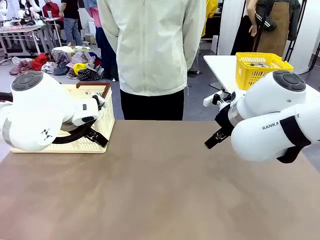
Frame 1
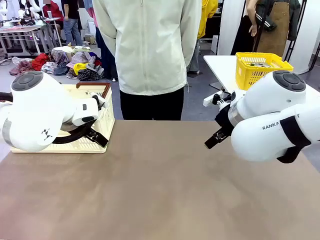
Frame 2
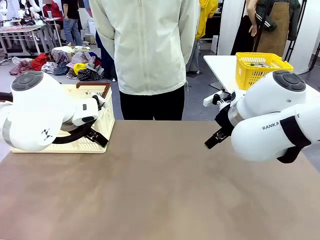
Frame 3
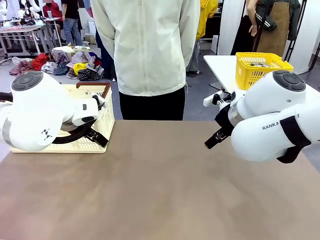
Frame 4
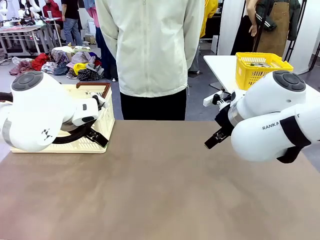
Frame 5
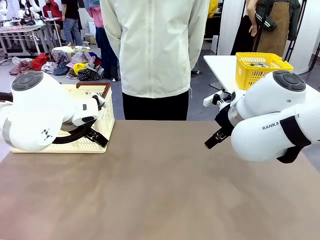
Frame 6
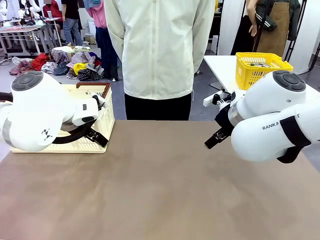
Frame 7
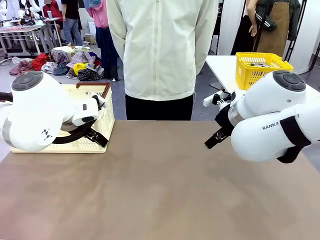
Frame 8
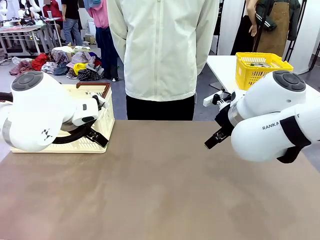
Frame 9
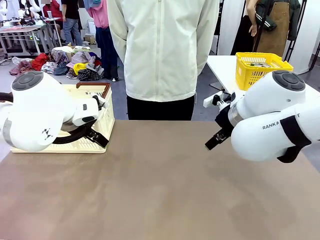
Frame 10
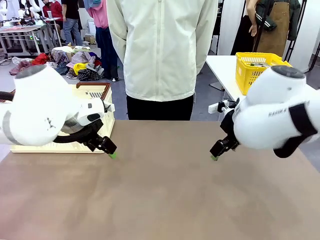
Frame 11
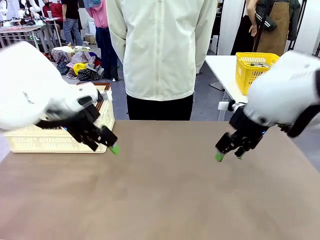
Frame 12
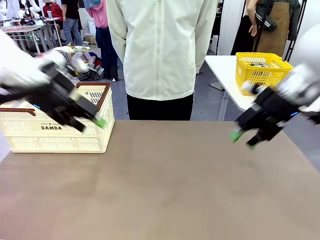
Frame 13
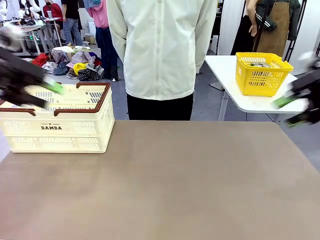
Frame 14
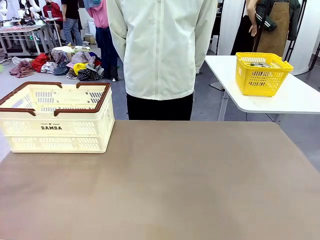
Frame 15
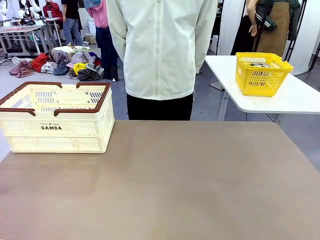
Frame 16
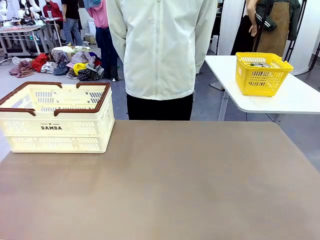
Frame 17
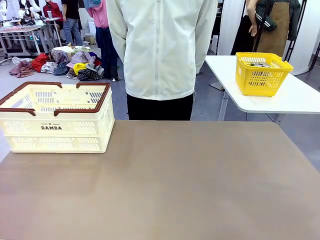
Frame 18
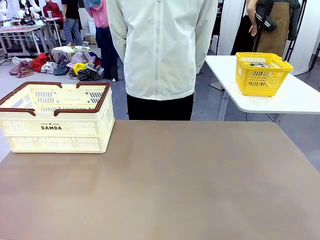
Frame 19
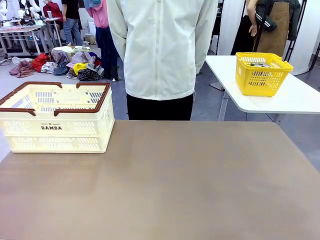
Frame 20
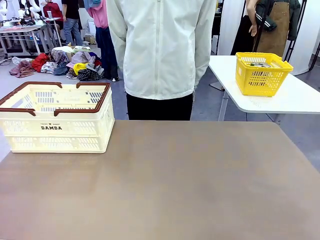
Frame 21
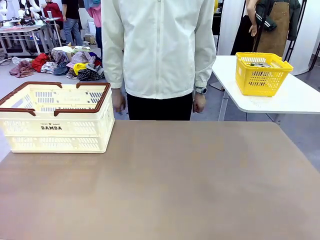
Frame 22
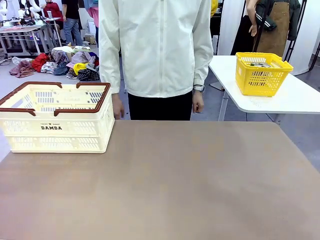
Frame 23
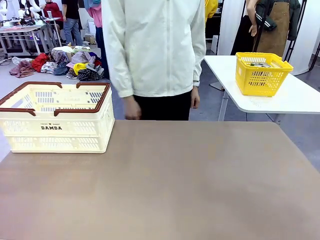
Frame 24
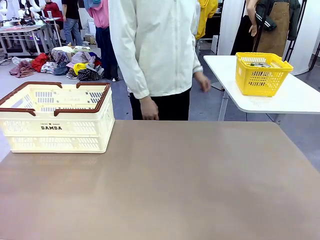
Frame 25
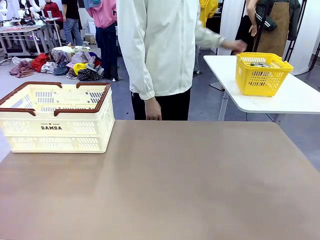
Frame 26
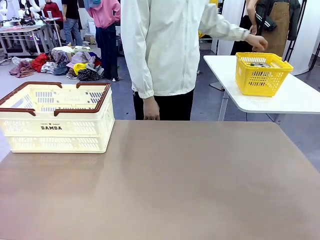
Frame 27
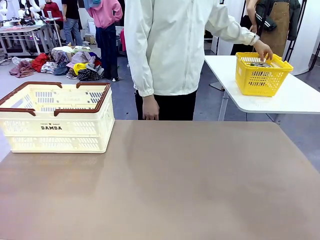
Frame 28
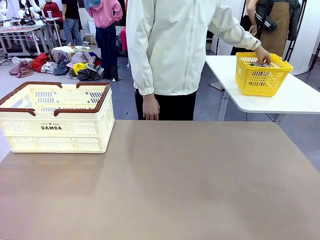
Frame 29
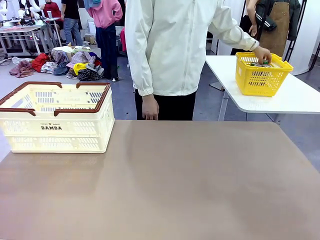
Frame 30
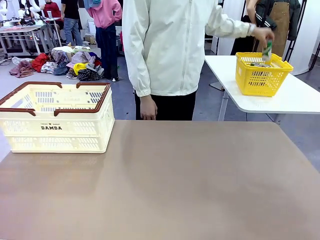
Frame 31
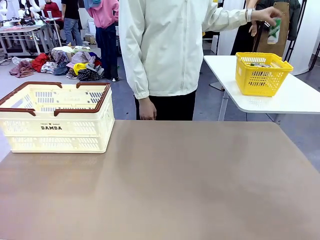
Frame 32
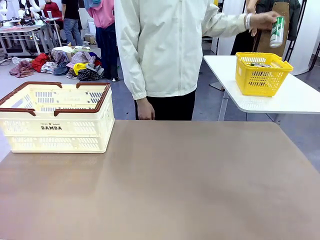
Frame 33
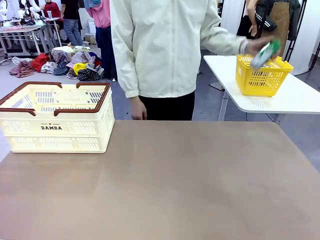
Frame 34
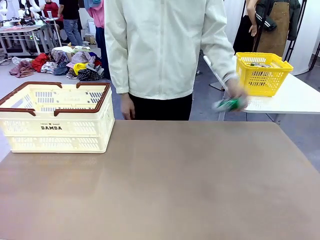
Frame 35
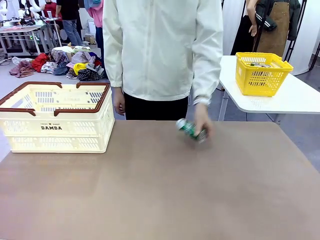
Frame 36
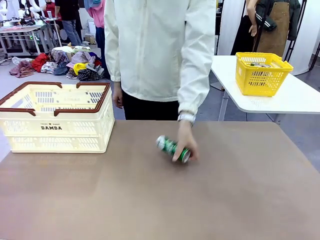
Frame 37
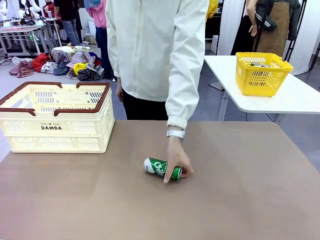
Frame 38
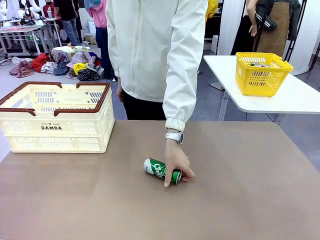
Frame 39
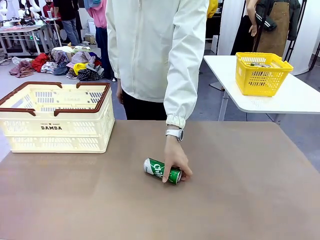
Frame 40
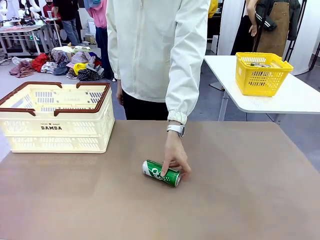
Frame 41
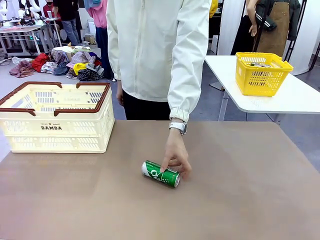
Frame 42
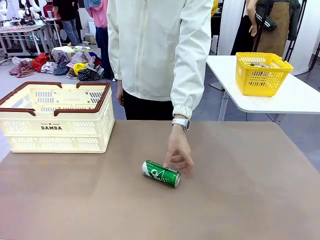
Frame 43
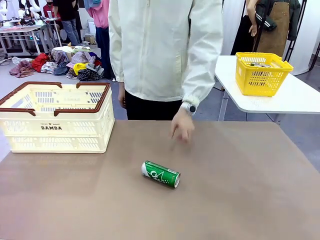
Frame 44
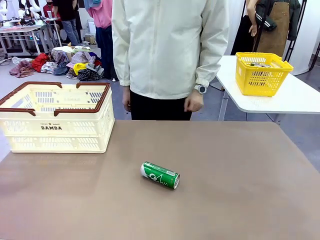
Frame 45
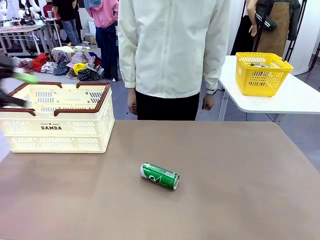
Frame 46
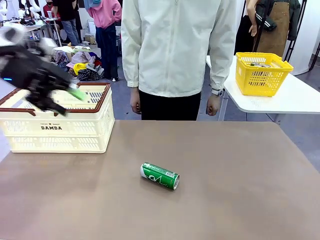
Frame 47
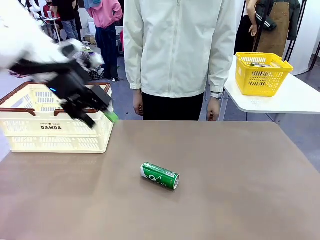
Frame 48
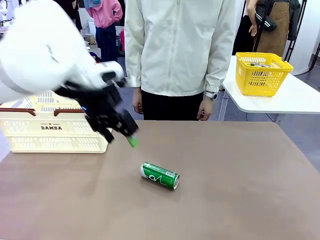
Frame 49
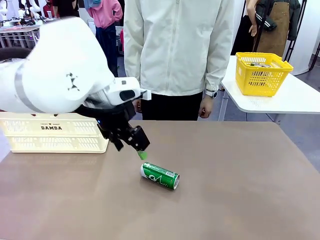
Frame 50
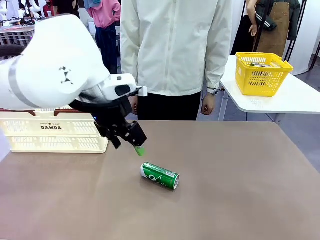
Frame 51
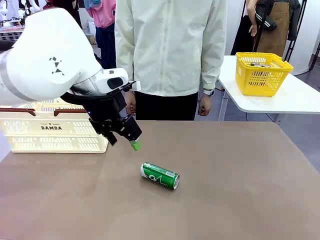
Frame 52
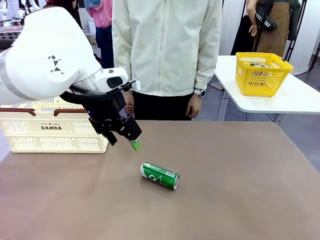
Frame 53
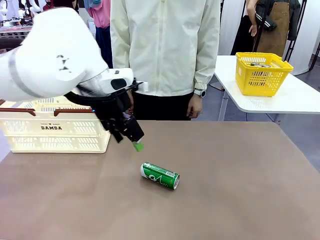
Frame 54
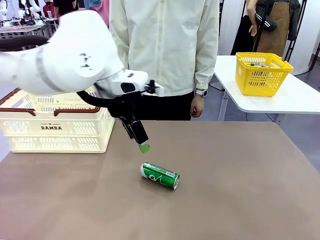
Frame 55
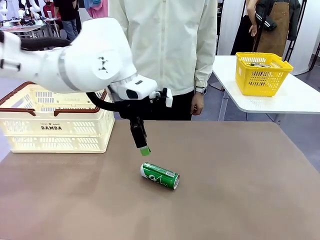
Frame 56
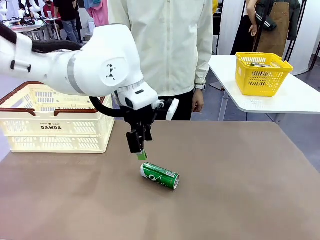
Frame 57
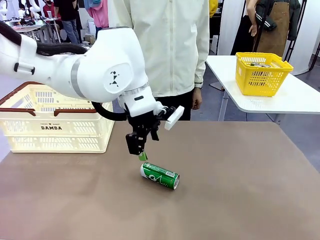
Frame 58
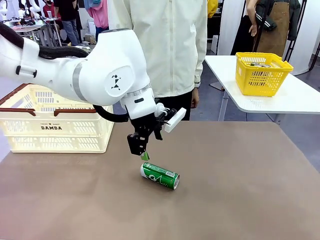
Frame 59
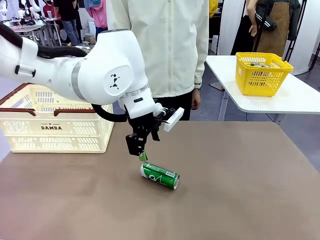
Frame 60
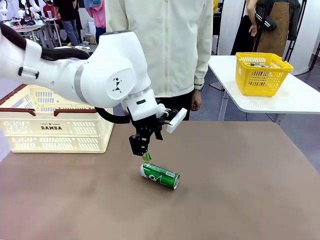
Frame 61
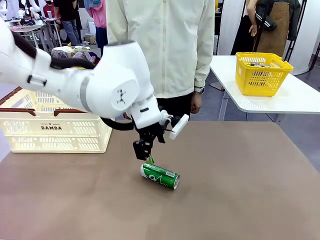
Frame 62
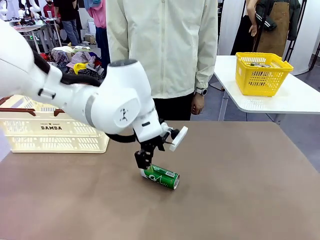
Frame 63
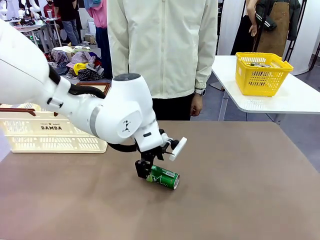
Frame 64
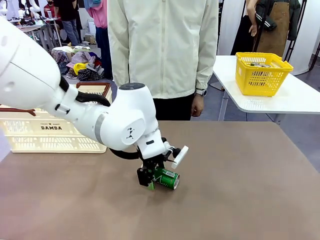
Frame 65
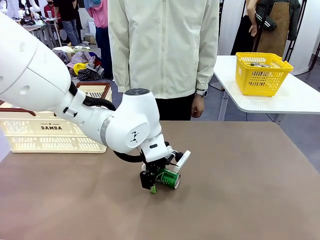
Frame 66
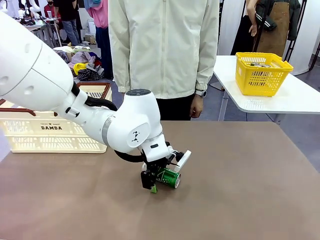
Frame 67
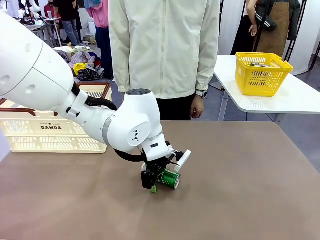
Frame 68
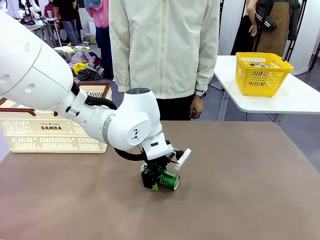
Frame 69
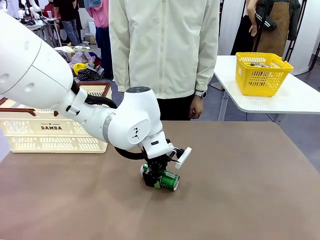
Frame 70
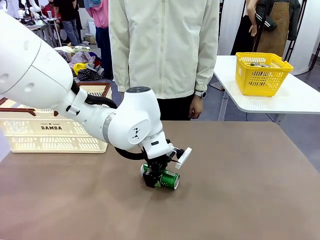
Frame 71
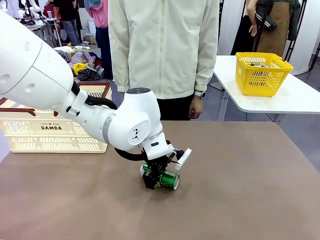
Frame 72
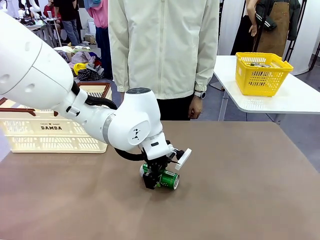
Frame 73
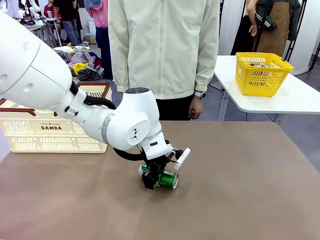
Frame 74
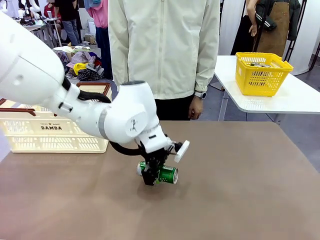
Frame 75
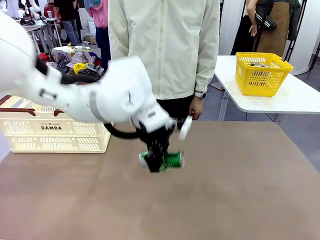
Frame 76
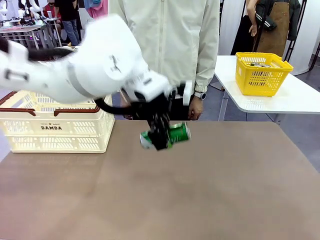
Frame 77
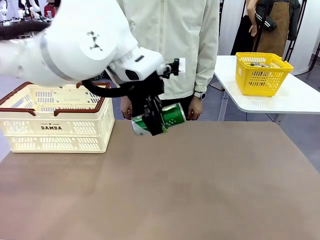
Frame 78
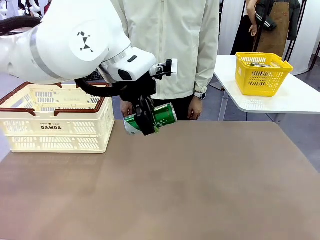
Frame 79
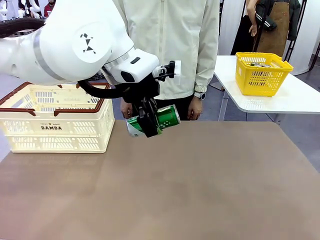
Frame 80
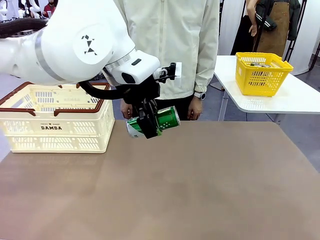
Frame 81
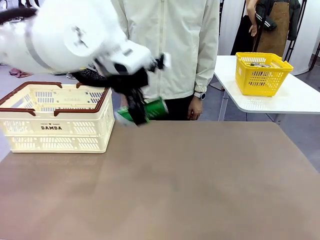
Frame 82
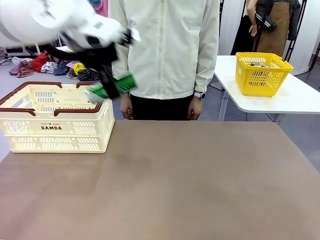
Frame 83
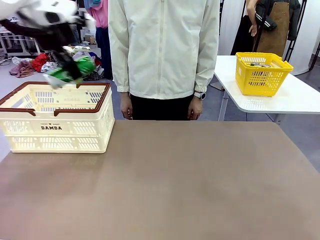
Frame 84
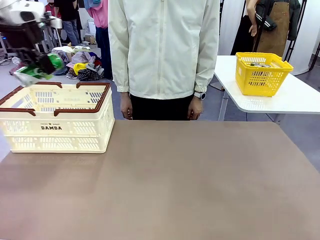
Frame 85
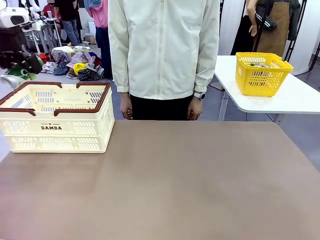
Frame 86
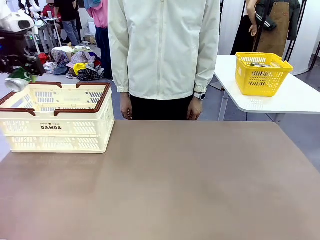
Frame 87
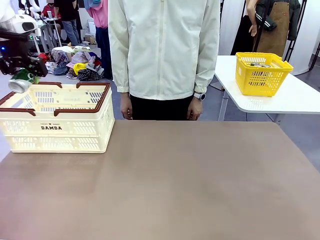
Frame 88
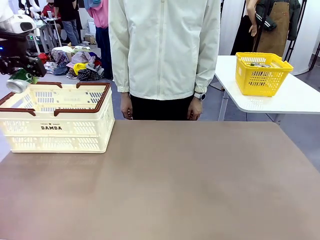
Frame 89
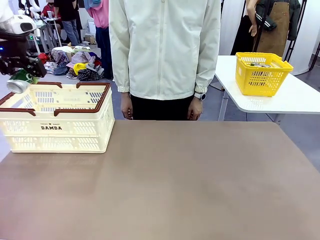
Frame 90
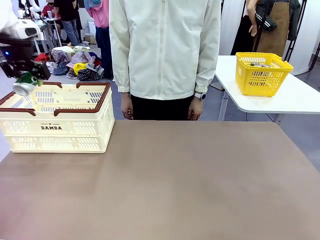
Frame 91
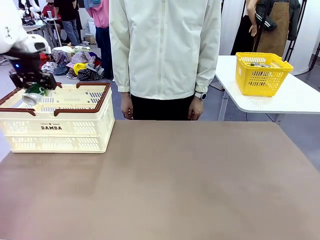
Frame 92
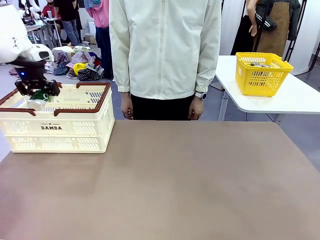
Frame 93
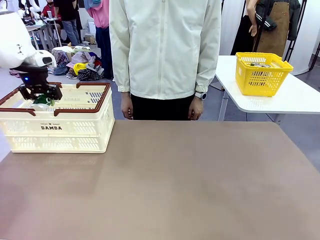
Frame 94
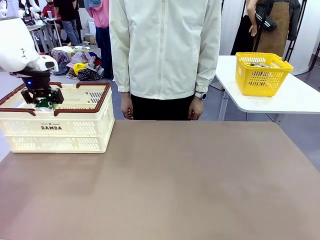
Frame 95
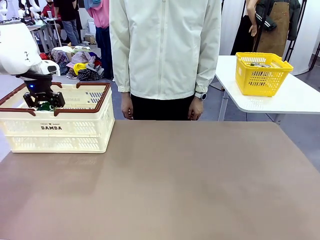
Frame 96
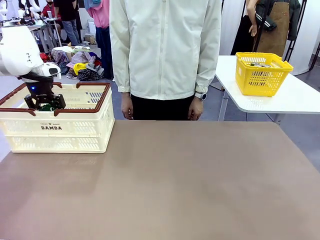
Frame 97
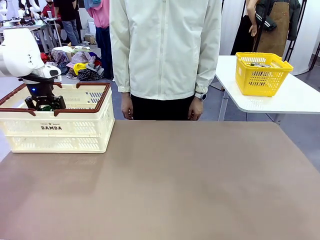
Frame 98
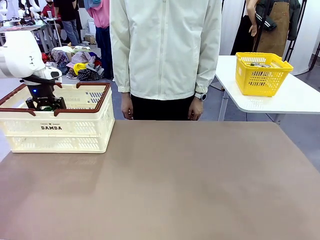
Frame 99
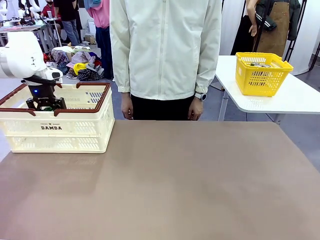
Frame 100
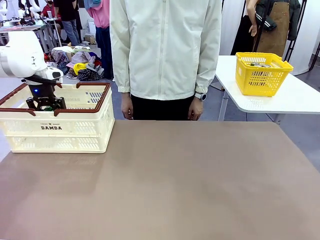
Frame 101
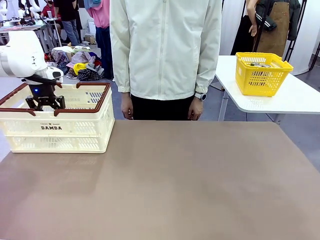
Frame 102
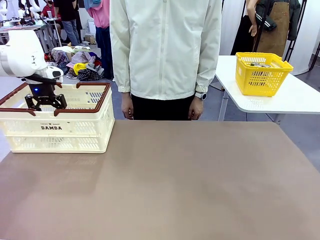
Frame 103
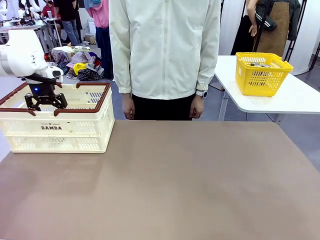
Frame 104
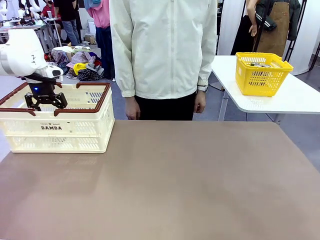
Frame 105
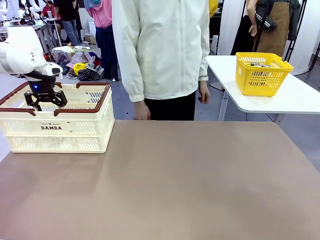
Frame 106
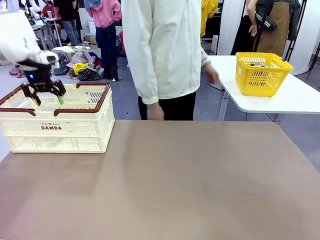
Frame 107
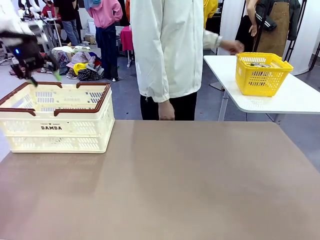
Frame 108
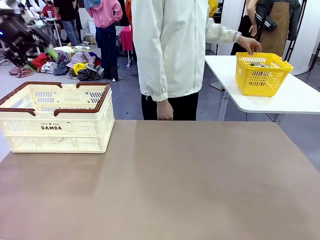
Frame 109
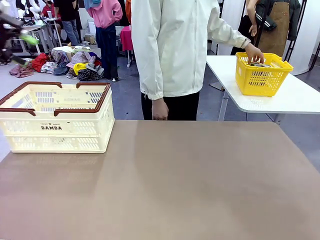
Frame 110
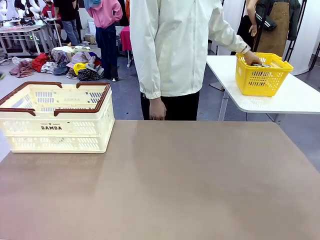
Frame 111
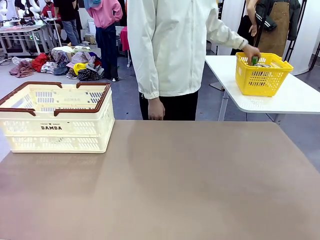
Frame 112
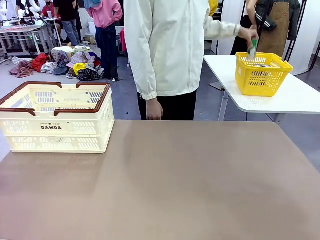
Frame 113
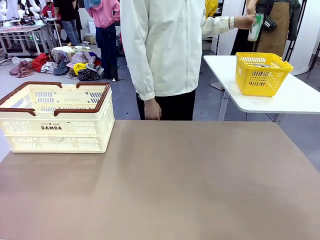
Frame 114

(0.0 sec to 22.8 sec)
Task: Place the drinks into the Shopping basket.
Robot: Pick up one drink and place it into the Shopping basket.
